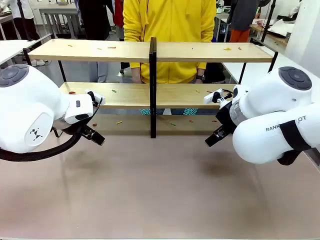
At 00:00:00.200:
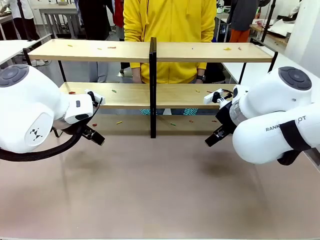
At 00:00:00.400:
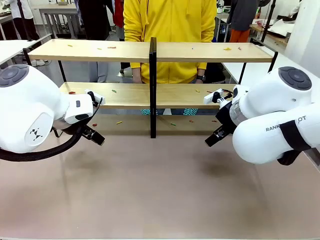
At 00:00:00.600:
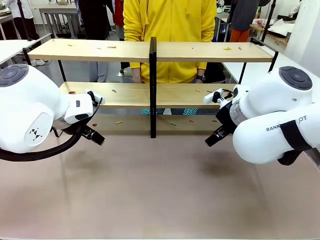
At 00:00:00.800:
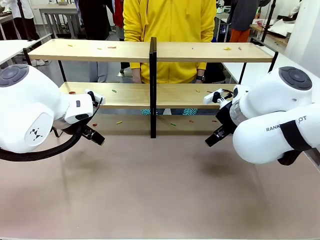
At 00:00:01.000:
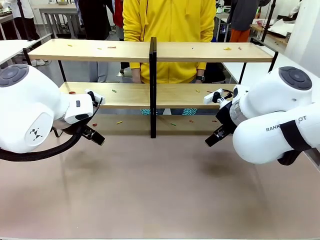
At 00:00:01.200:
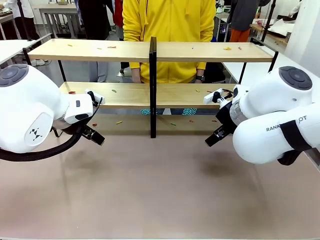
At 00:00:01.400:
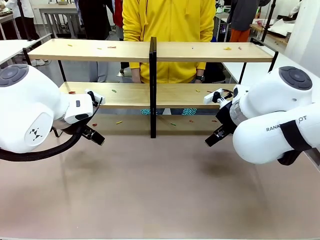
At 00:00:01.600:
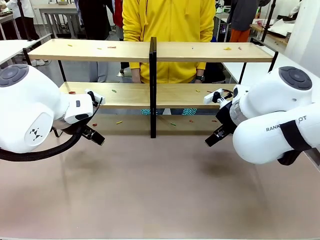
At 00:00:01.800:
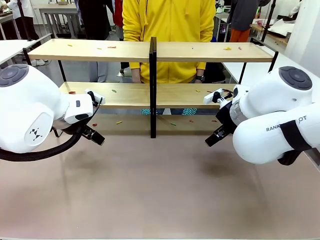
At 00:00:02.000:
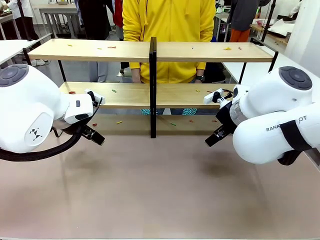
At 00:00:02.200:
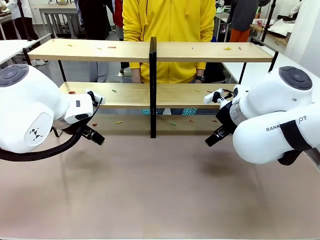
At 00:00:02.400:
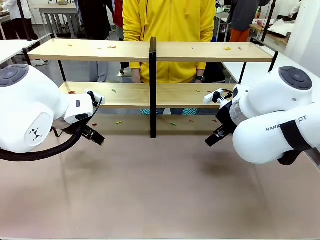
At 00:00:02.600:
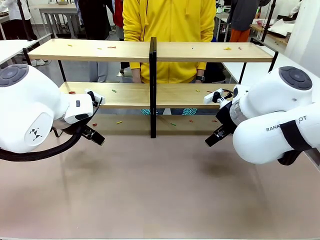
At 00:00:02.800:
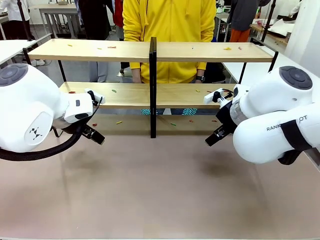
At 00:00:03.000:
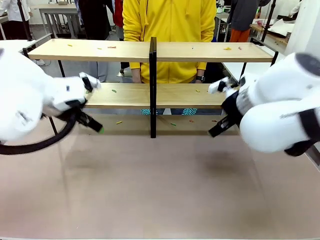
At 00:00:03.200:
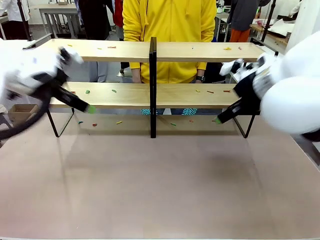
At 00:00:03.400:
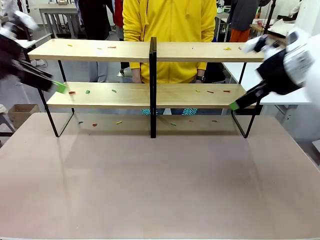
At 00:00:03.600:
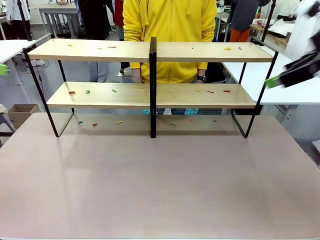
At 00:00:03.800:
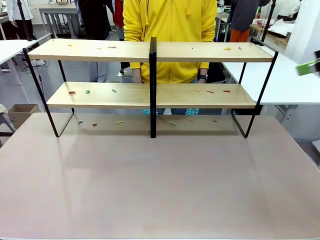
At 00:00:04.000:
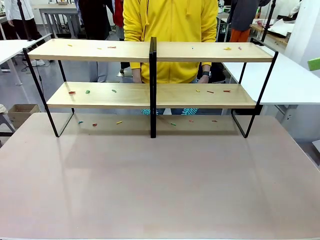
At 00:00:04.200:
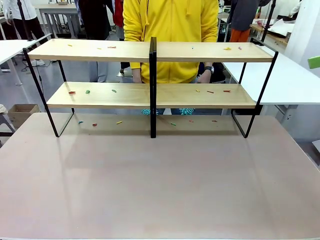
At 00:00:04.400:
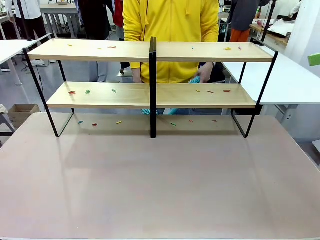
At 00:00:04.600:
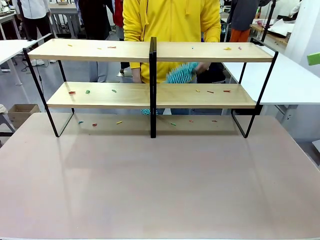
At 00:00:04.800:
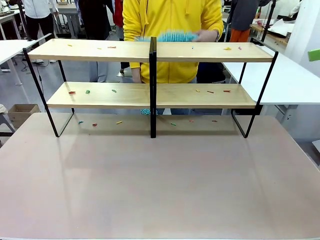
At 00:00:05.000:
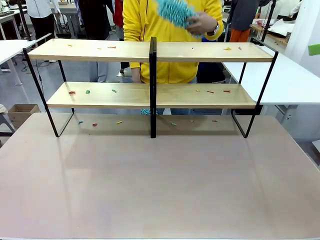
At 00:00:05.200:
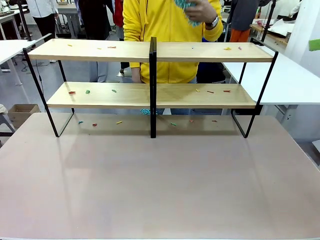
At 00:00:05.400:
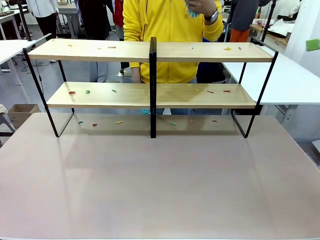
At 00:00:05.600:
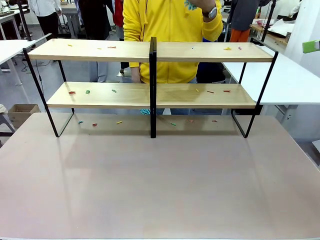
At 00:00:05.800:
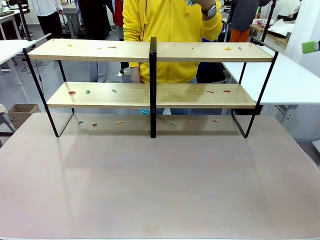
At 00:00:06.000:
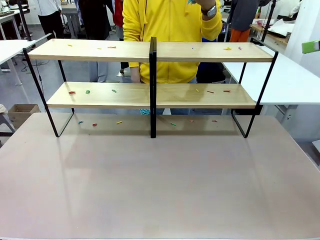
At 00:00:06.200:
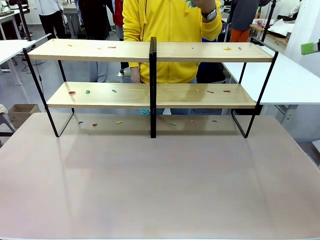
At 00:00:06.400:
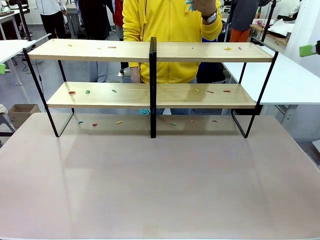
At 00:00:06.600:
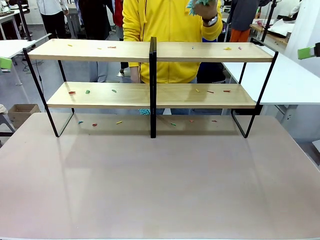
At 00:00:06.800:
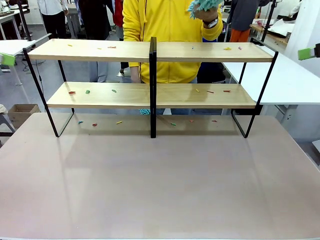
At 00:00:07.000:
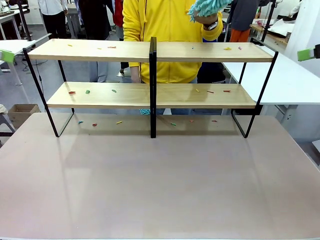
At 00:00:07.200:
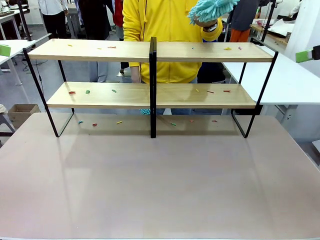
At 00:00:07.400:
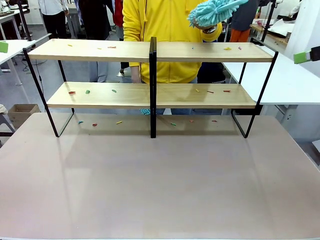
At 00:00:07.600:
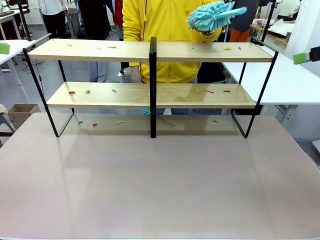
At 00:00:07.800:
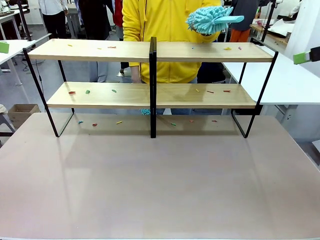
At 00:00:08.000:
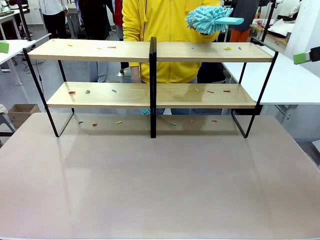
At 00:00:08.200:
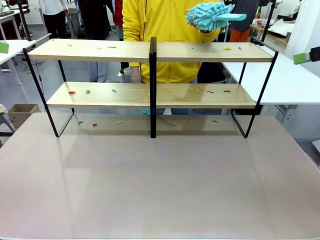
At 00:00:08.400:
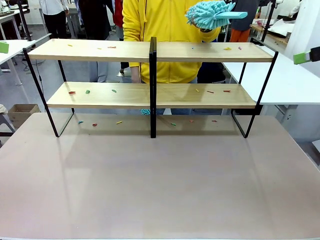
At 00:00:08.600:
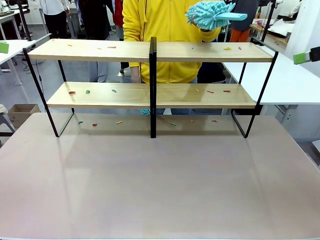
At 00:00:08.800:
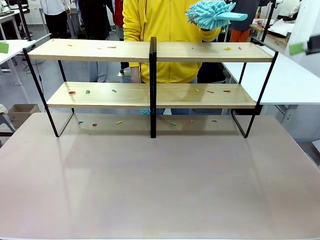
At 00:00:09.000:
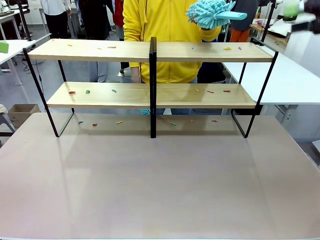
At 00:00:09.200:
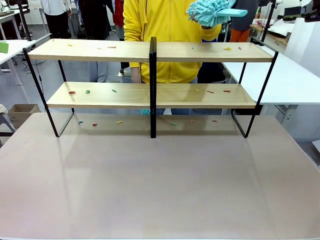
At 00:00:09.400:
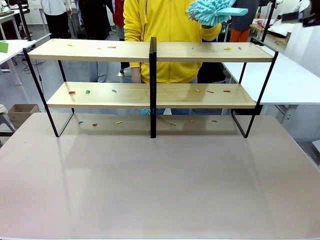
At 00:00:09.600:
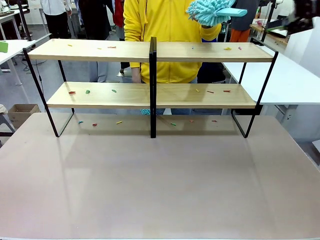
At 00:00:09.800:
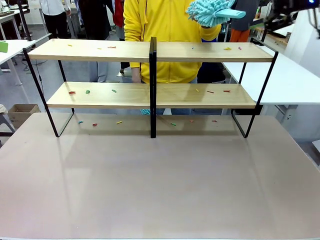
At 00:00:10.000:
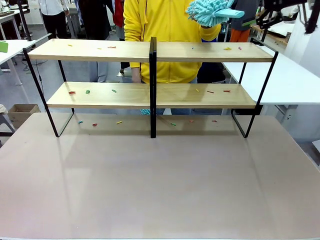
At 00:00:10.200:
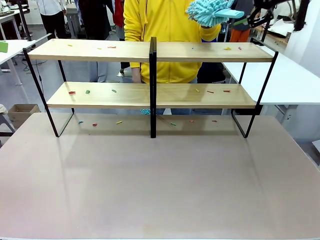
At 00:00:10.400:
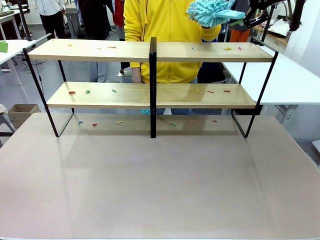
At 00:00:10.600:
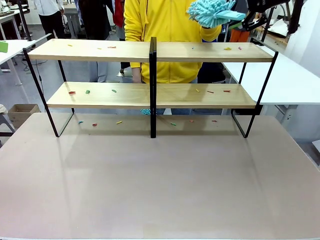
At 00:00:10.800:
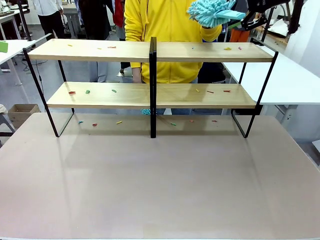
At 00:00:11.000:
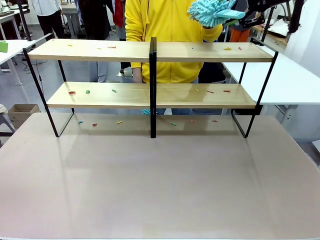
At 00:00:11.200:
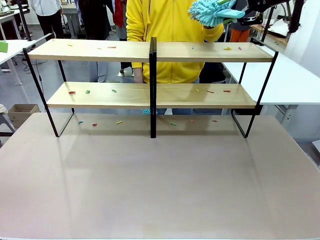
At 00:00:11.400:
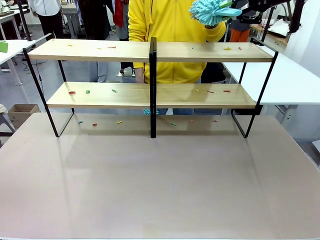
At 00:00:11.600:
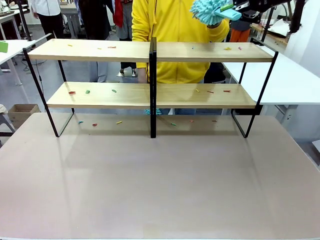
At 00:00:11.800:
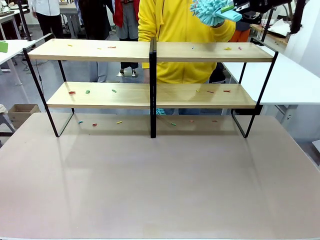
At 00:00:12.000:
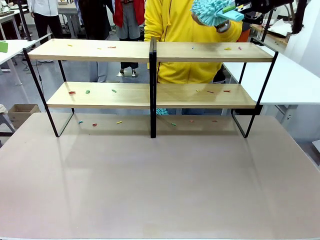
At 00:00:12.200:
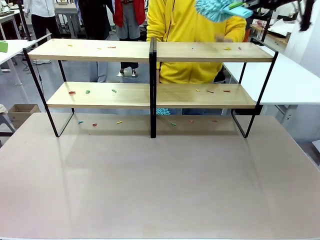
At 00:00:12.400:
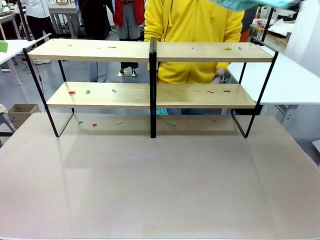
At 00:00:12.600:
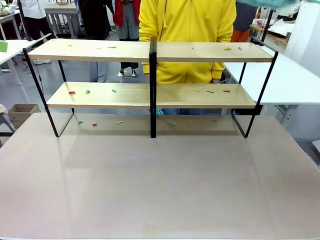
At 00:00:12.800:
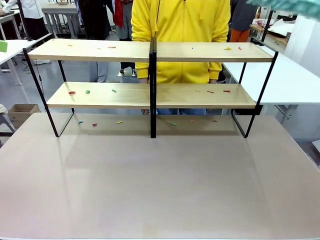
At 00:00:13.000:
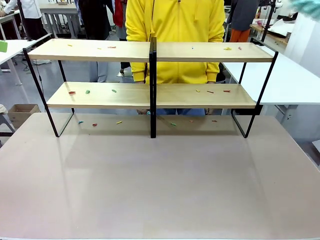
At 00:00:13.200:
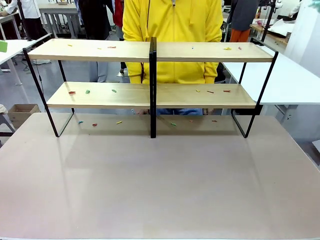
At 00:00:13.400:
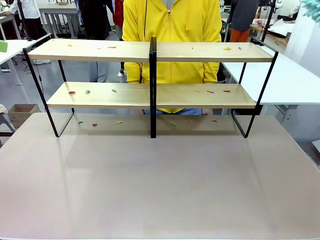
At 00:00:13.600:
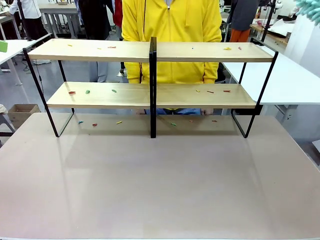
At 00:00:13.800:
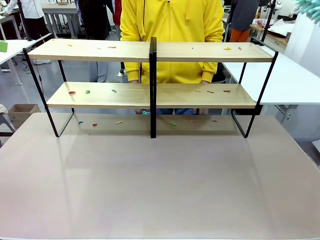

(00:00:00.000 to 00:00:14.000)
Task: Clean the shelves.
Robot: Pick up the Duster when the human hands it over.
Person: Hand the Duster to the robot with your right (or left) hand.
